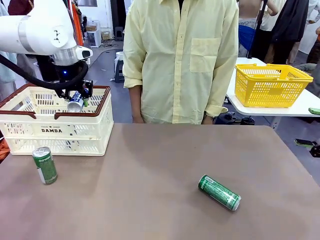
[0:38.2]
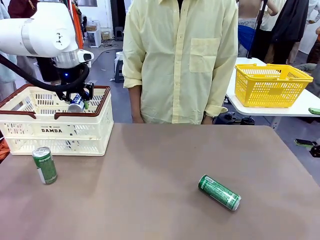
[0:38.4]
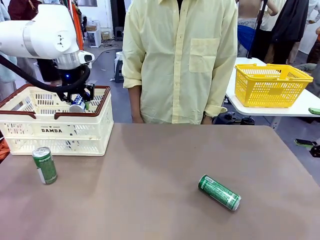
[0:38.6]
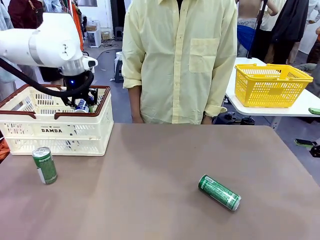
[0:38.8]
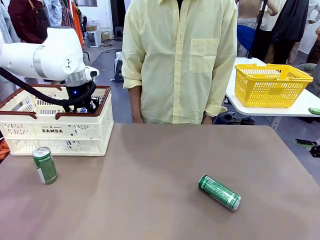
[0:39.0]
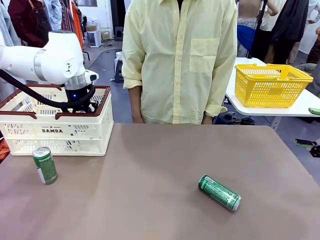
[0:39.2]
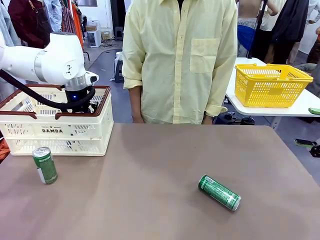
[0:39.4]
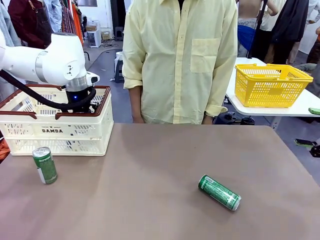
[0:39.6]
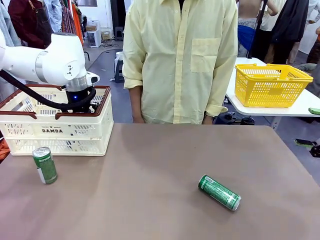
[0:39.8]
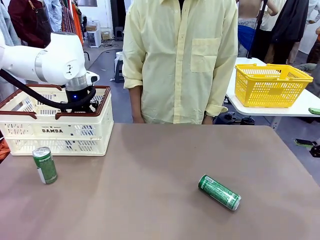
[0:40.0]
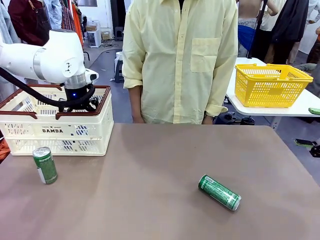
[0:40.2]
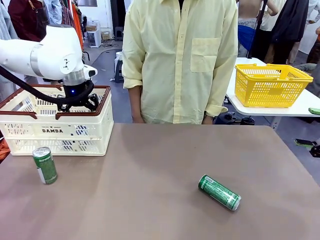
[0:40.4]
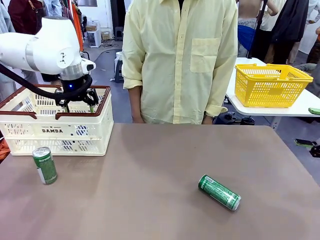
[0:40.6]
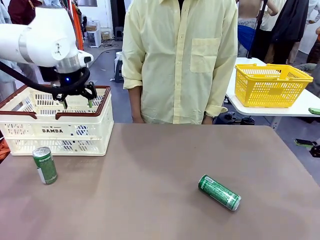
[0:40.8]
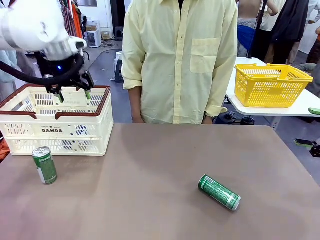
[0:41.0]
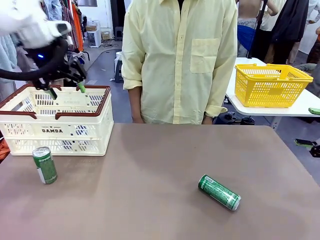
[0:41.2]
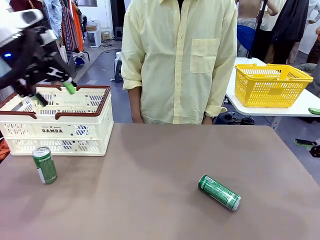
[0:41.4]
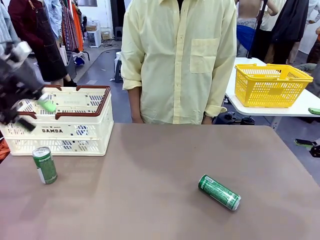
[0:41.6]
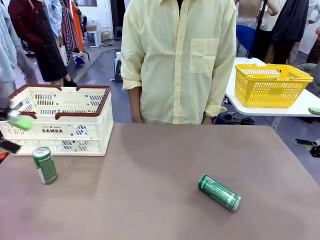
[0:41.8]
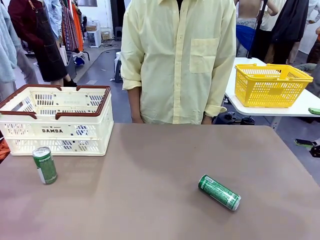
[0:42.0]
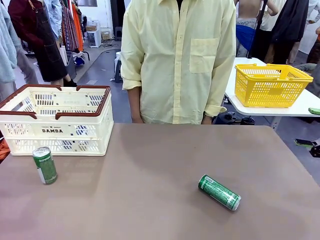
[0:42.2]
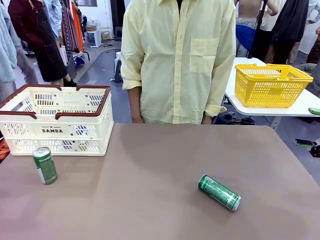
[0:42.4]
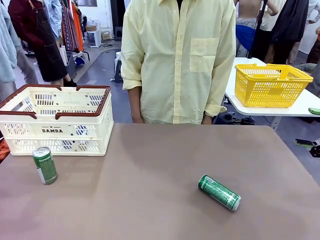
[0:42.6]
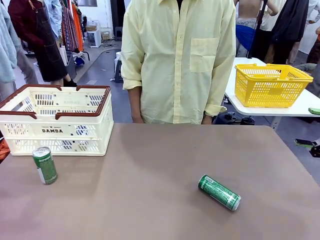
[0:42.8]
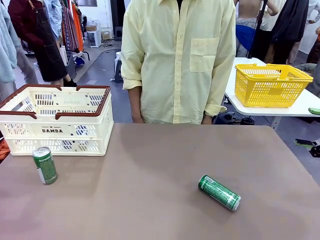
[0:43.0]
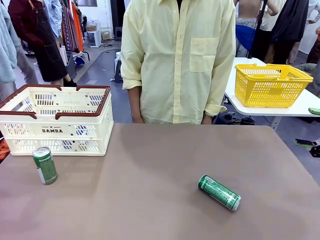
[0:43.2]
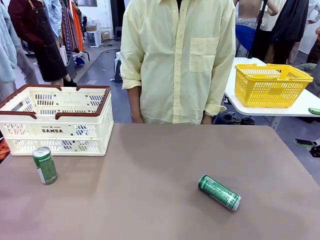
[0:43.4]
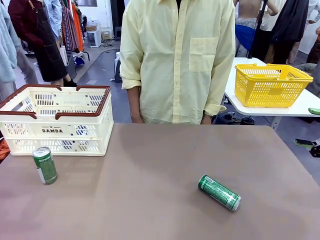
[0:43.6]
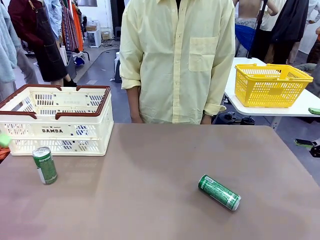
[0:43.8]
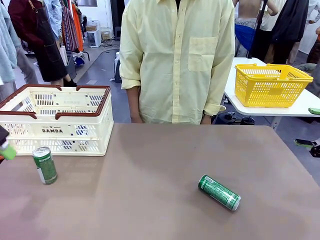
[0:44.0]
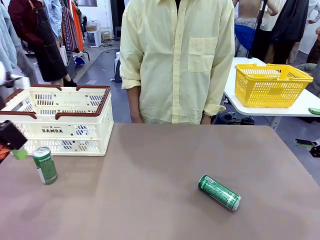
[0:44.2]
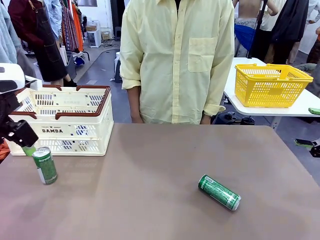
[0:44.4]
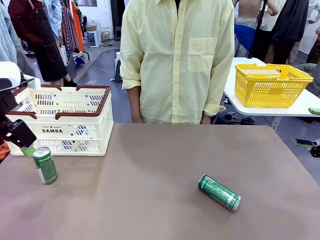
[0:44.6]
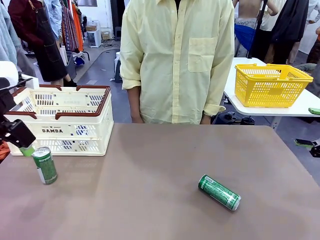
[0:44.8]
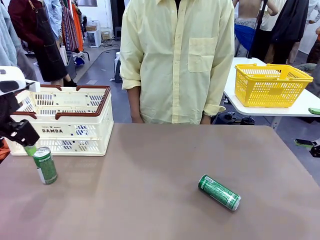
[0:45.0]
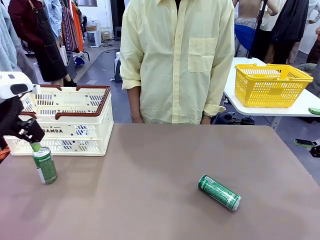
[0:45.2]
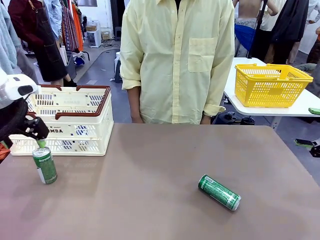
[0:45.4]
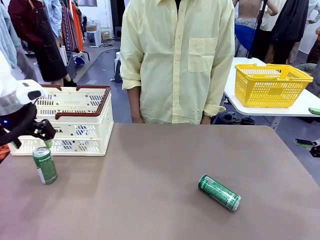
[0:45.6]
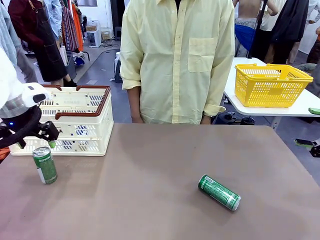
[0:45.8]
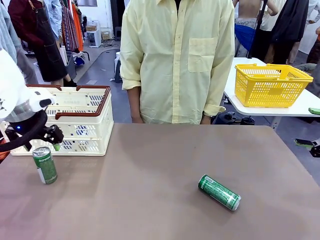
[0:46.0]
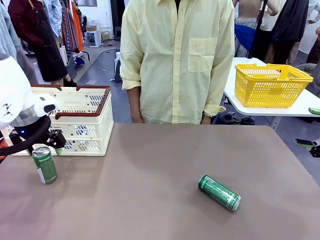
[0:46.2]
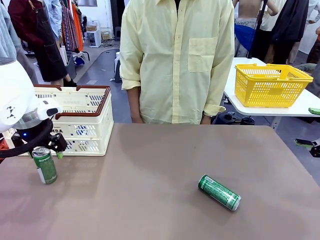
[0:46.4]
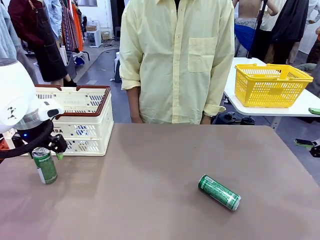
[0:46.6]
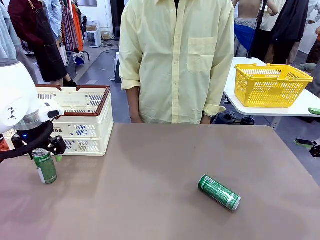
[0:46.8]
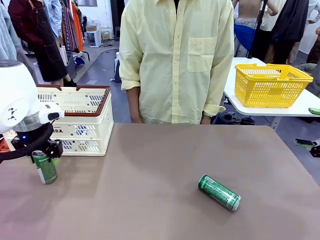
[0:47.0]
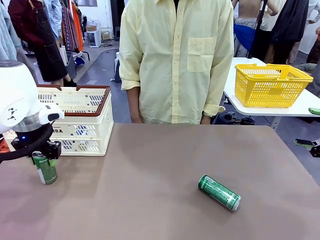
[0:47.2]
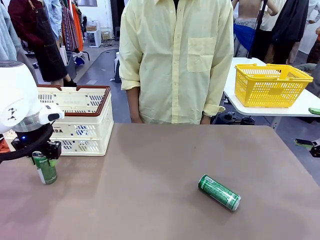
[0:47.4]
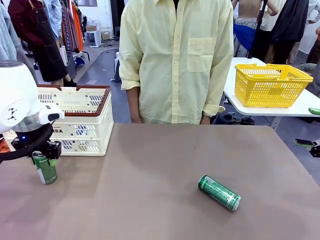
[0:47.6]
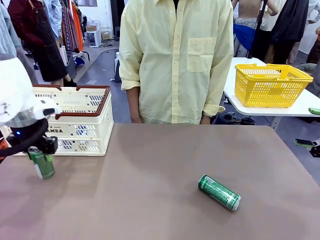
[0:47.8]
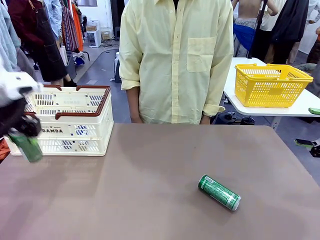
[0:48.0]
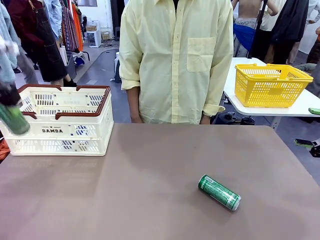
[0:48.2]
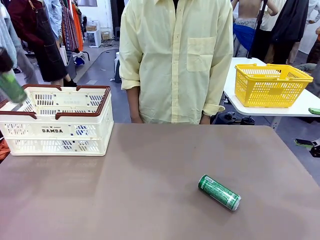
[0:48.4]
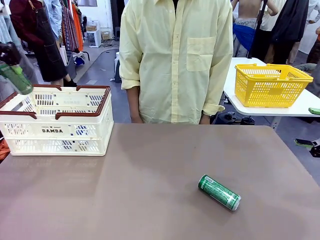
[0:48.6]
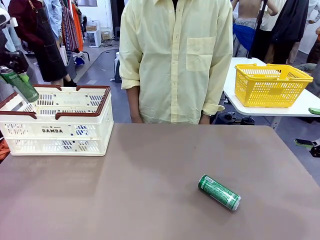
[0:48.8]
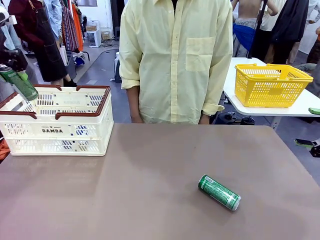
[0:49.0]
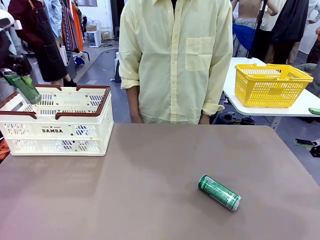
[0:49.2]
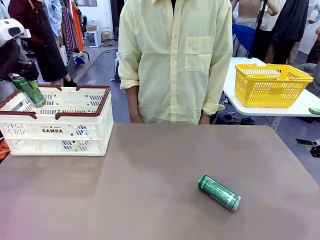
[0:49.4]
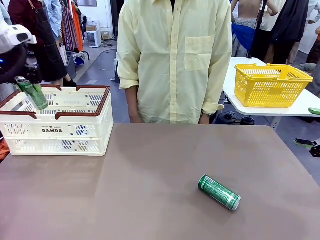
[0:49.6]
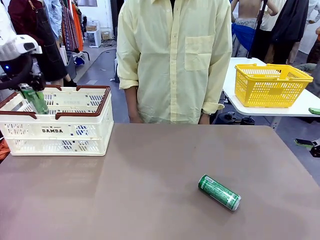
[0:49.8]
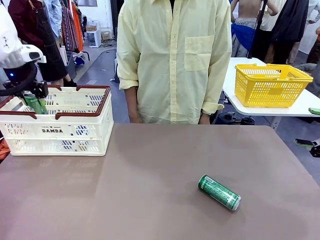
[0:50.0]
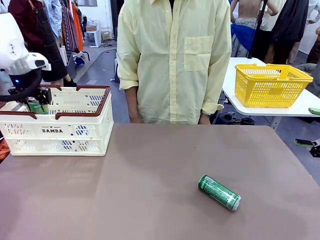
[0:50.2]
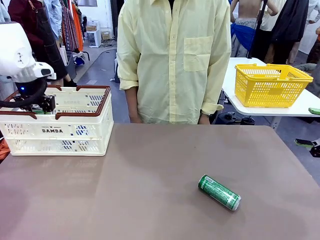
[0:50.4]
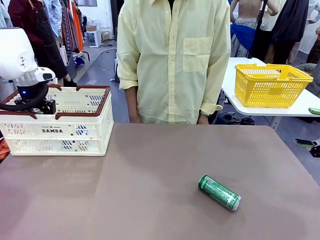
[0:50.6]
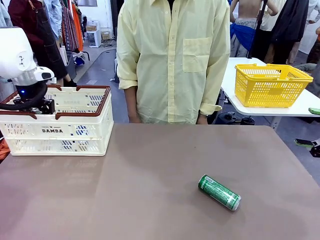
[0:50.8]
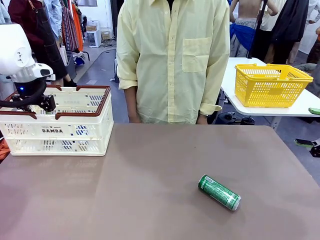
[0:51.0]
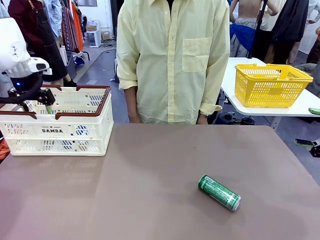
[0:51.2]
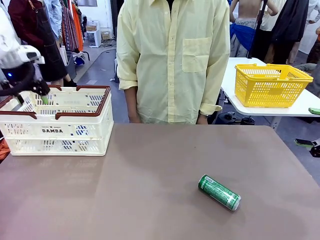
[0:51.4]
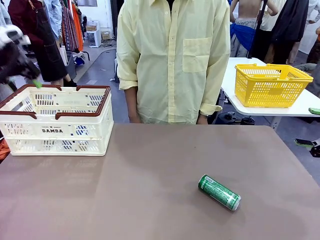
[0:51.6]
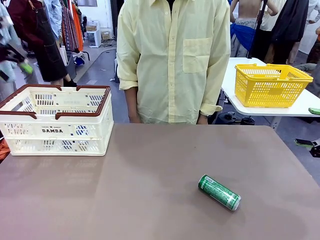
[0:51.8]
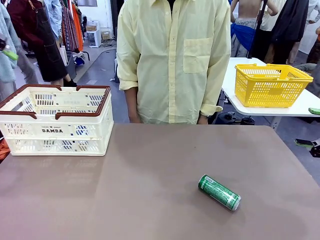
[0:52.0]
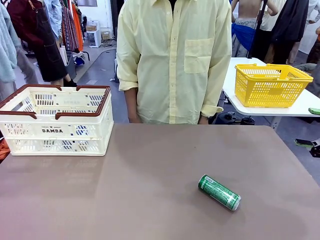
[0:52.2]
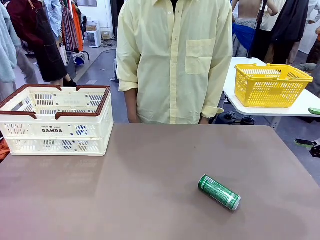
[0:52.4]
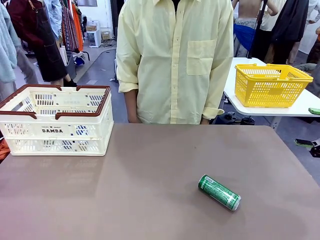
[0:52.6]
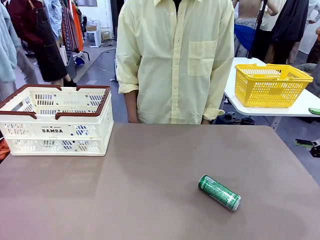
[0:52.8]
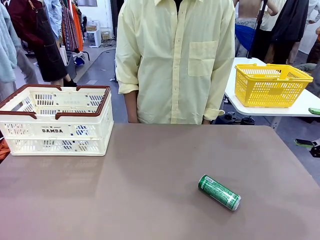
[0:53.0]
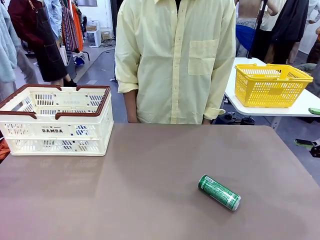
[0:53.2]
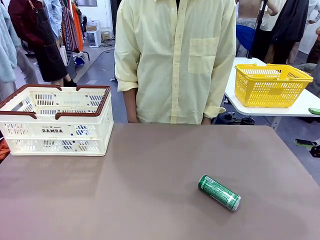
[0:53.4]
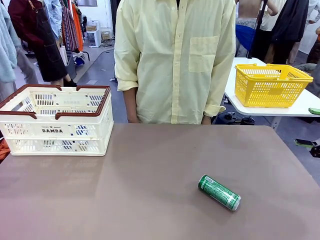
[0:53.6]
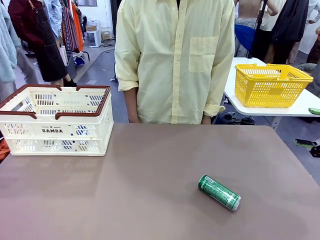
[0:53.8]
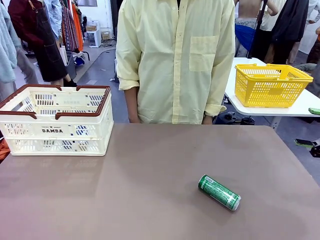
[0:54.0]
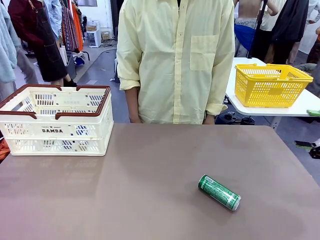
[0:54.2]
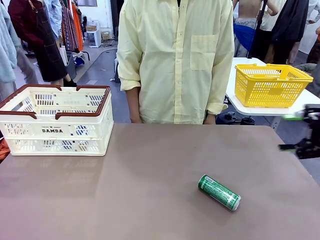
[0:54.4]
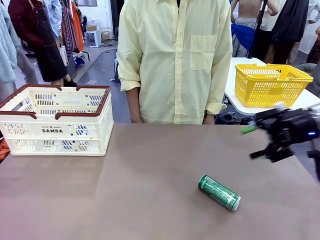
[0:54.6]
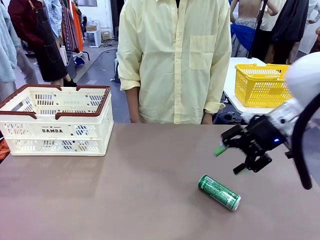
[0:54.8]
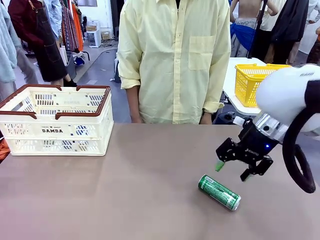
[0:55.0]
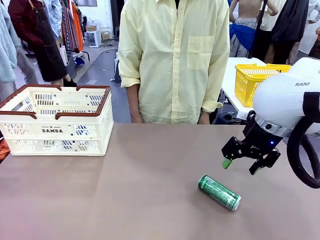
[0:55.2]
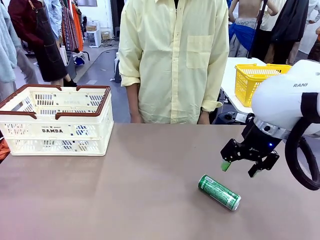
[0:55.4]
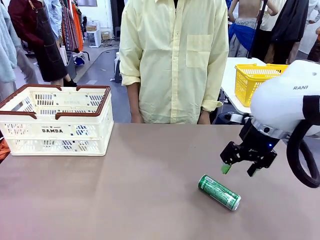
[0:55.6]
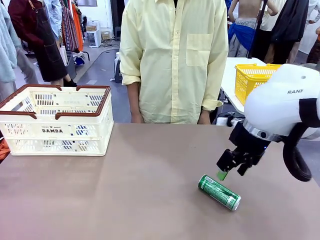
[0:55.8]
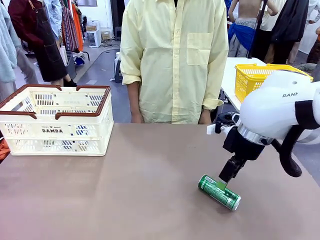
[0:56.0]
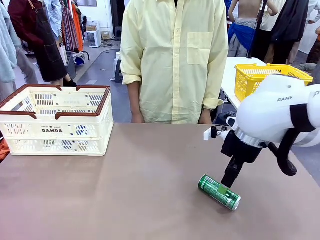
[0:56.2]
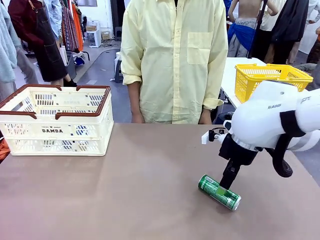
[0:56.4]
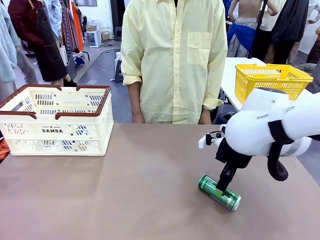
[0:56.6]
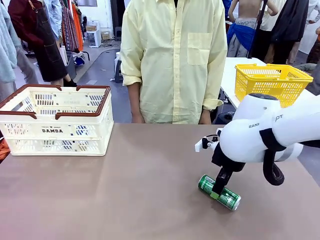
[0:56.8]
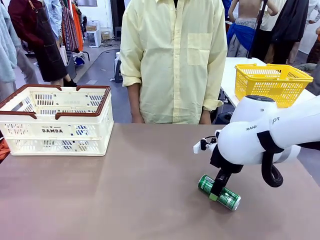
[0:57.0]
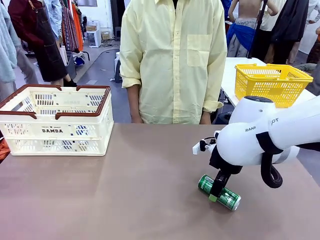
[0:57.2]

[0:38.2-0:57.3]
Task: Place the drinks into the Shopping basket.
Robot: Pick up one drink and place it into the Shopping basket.
